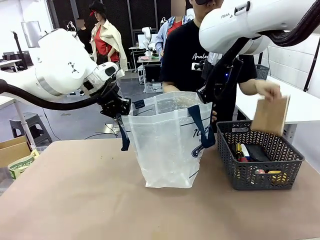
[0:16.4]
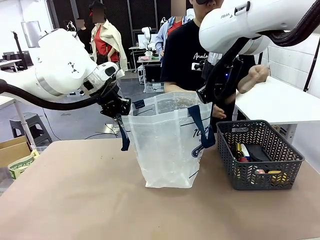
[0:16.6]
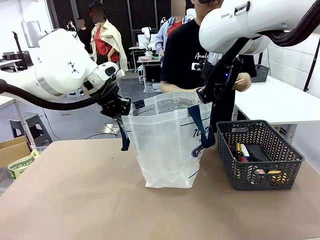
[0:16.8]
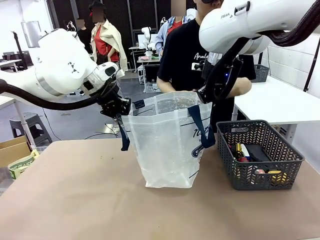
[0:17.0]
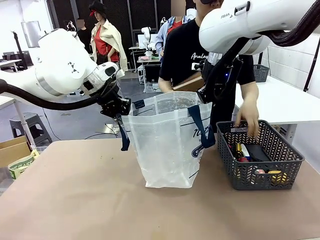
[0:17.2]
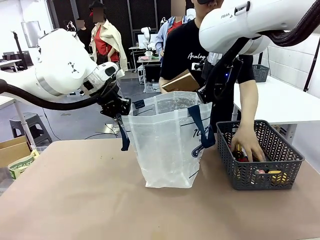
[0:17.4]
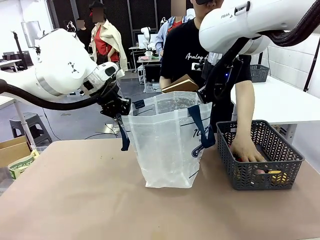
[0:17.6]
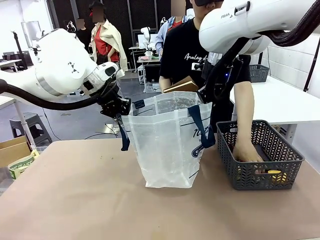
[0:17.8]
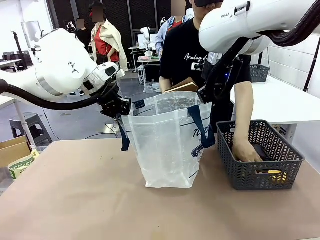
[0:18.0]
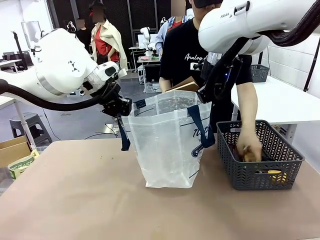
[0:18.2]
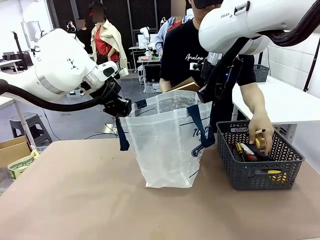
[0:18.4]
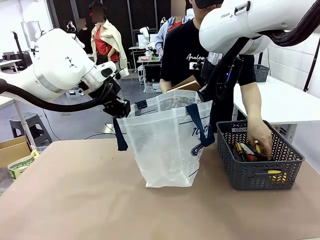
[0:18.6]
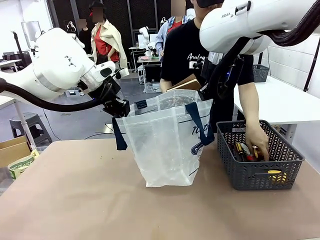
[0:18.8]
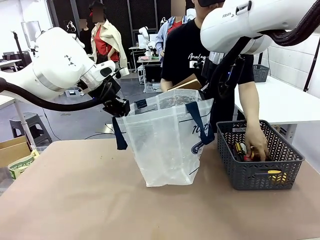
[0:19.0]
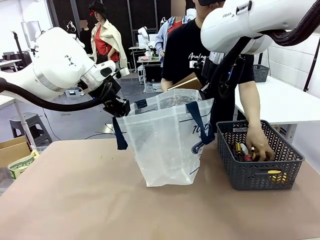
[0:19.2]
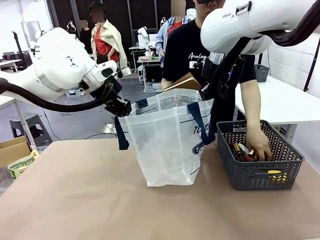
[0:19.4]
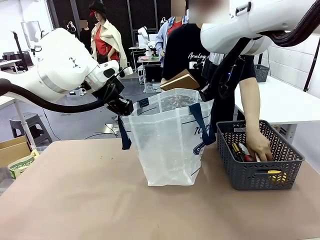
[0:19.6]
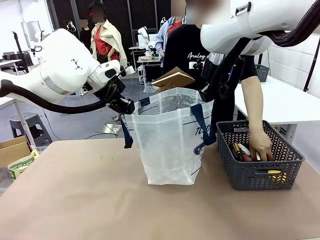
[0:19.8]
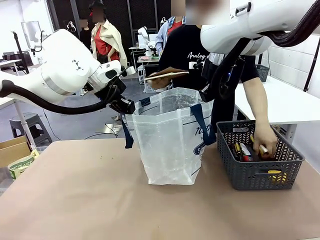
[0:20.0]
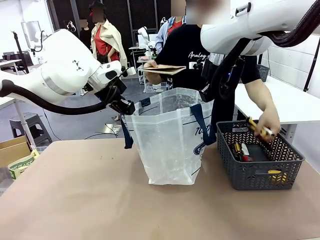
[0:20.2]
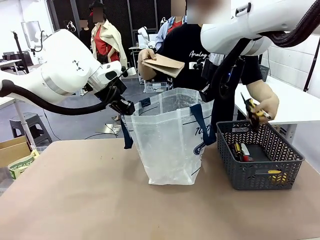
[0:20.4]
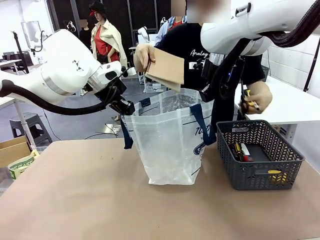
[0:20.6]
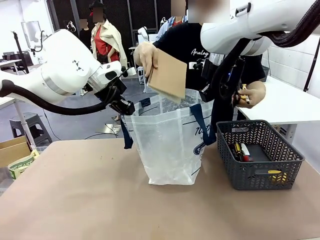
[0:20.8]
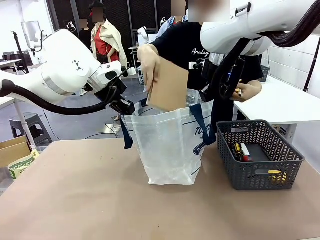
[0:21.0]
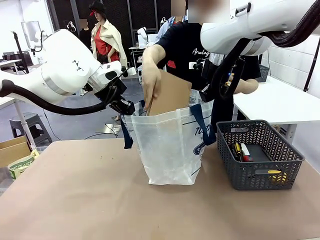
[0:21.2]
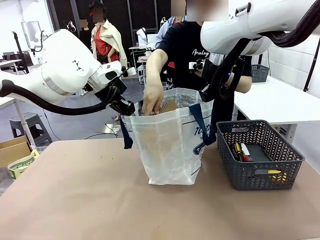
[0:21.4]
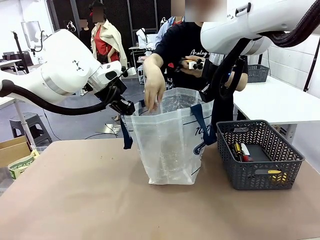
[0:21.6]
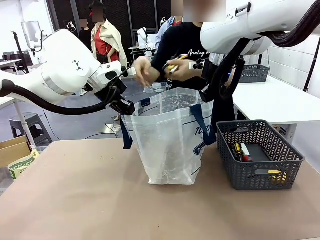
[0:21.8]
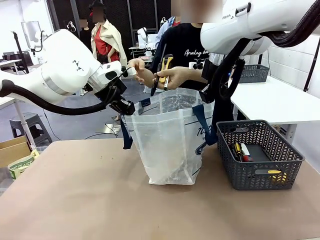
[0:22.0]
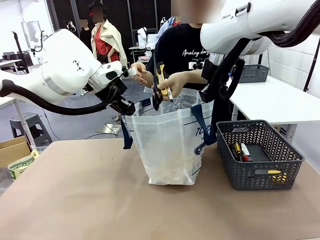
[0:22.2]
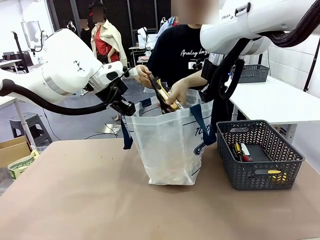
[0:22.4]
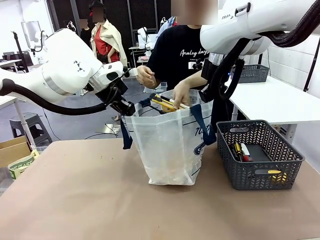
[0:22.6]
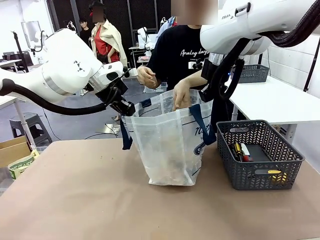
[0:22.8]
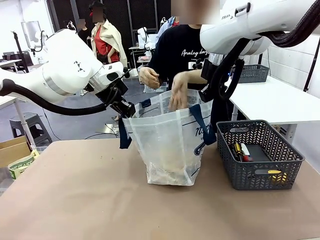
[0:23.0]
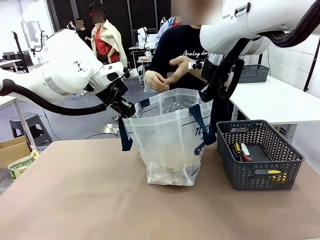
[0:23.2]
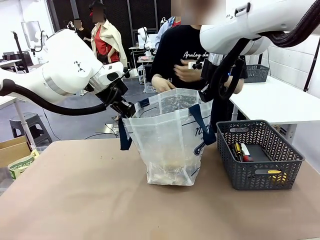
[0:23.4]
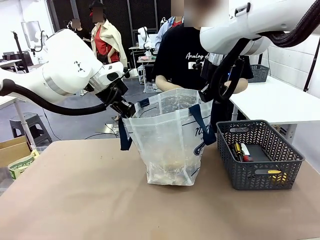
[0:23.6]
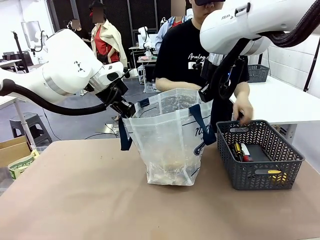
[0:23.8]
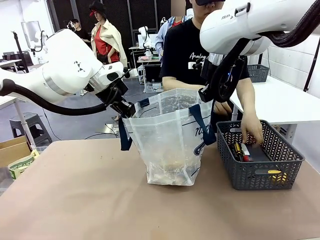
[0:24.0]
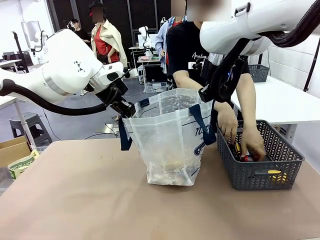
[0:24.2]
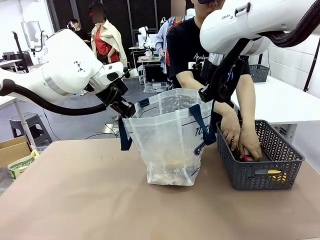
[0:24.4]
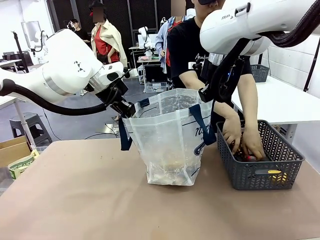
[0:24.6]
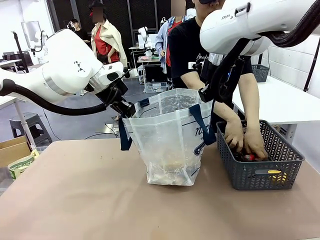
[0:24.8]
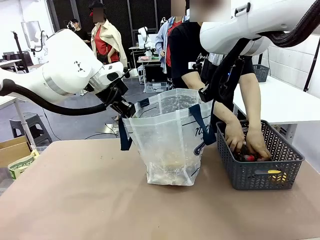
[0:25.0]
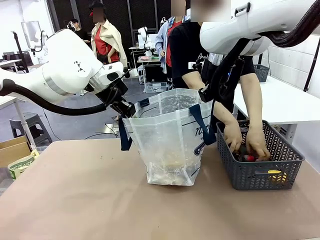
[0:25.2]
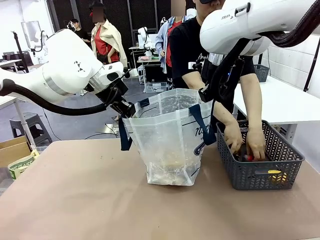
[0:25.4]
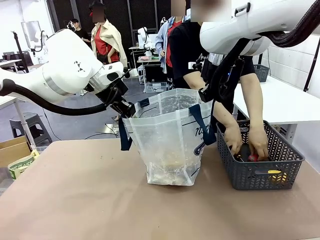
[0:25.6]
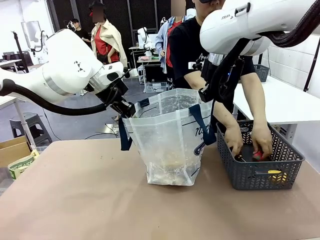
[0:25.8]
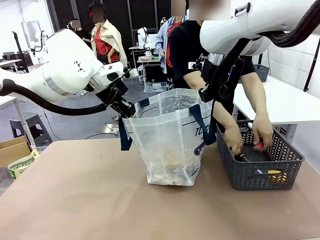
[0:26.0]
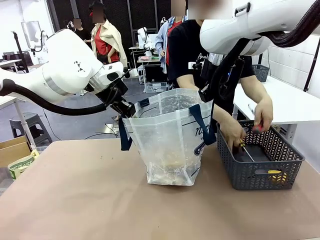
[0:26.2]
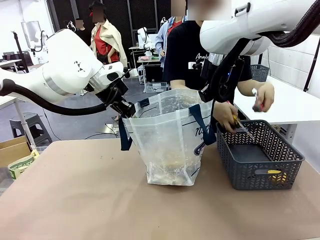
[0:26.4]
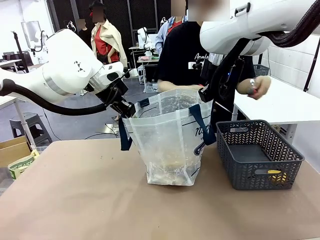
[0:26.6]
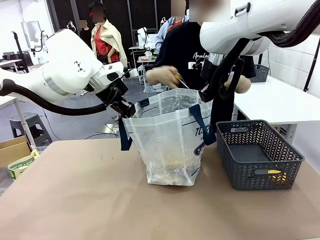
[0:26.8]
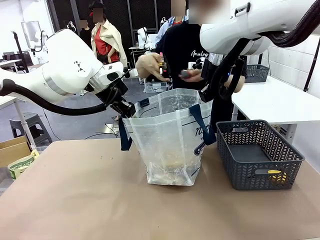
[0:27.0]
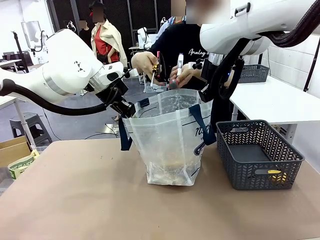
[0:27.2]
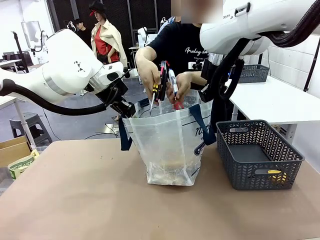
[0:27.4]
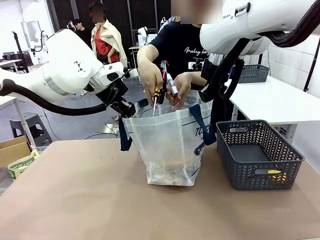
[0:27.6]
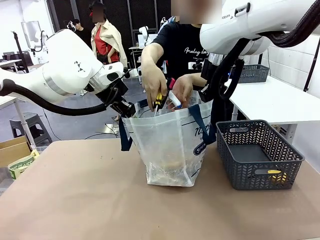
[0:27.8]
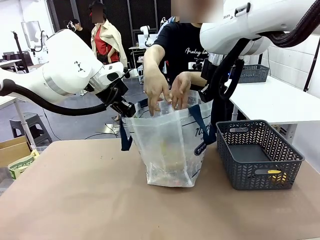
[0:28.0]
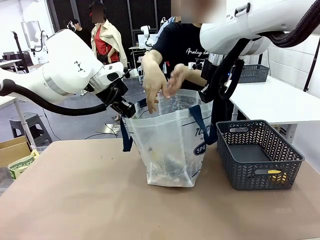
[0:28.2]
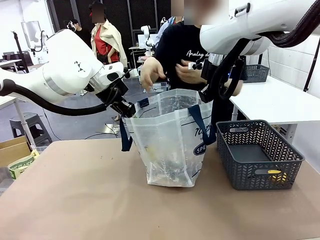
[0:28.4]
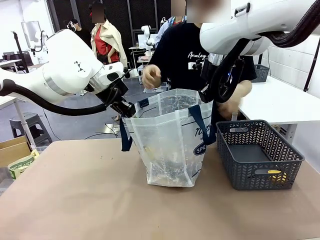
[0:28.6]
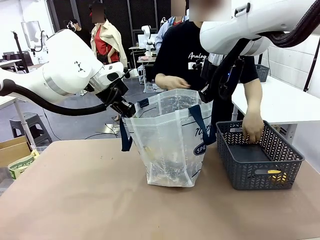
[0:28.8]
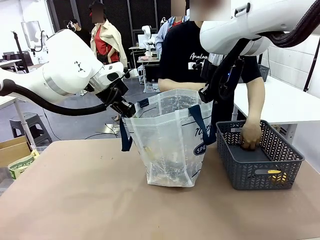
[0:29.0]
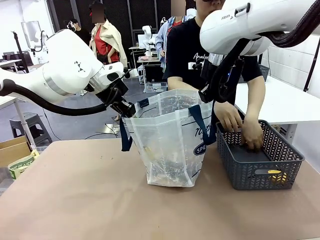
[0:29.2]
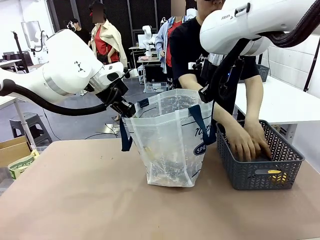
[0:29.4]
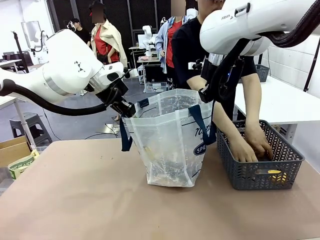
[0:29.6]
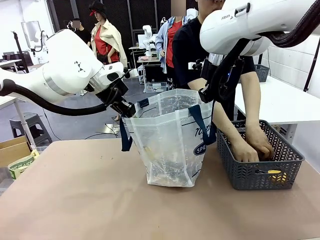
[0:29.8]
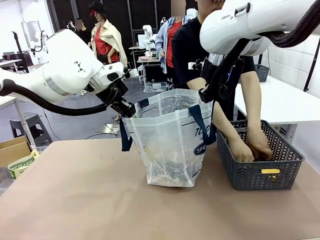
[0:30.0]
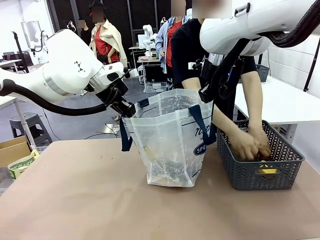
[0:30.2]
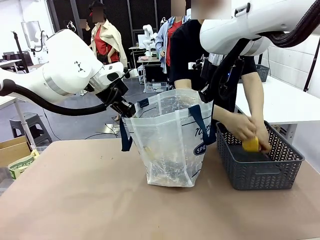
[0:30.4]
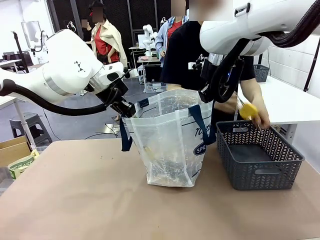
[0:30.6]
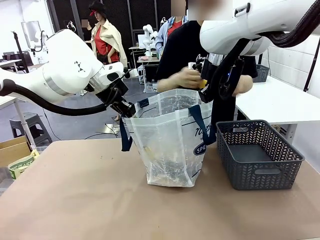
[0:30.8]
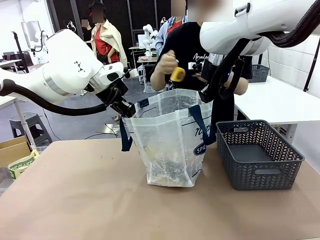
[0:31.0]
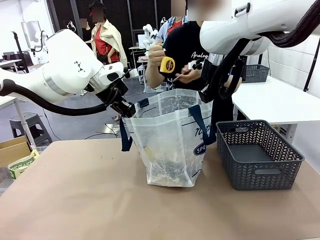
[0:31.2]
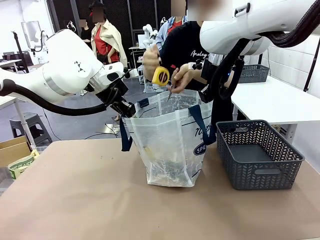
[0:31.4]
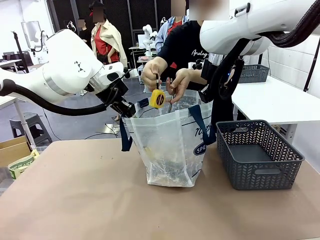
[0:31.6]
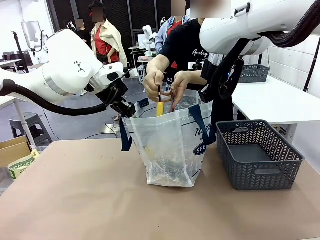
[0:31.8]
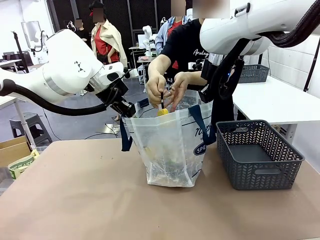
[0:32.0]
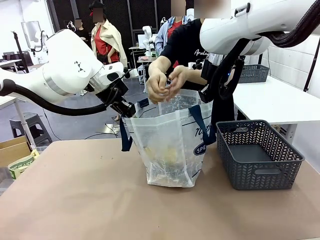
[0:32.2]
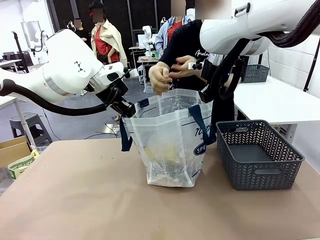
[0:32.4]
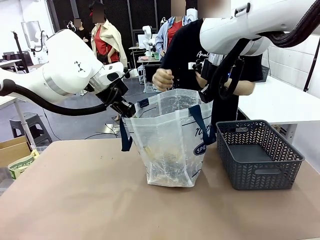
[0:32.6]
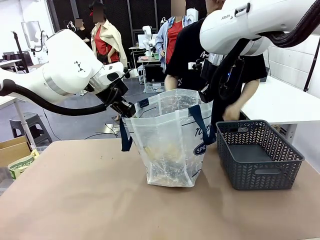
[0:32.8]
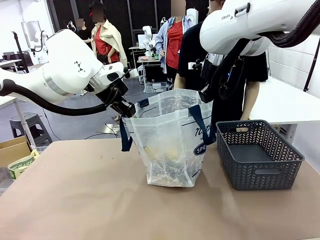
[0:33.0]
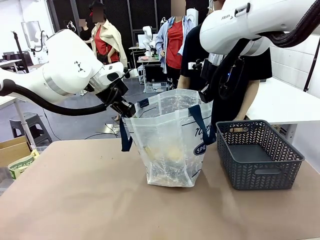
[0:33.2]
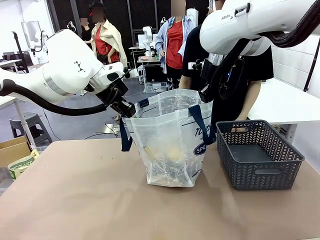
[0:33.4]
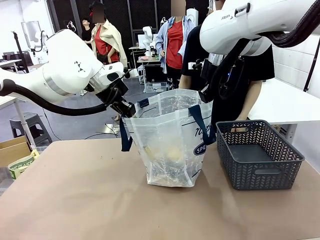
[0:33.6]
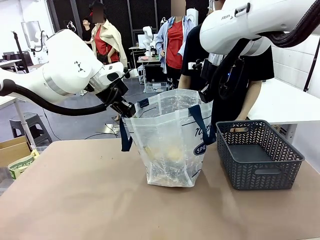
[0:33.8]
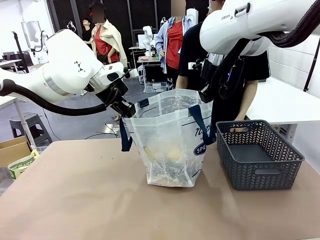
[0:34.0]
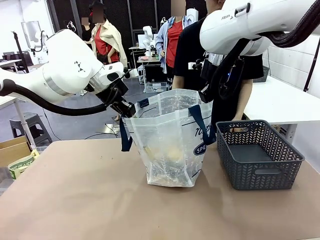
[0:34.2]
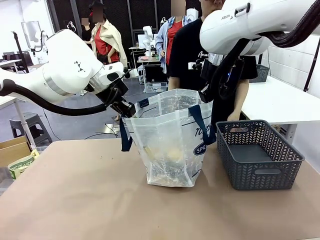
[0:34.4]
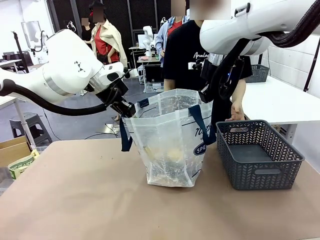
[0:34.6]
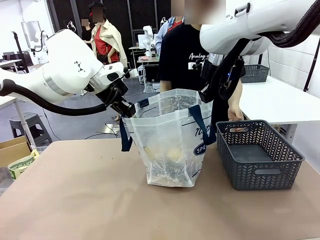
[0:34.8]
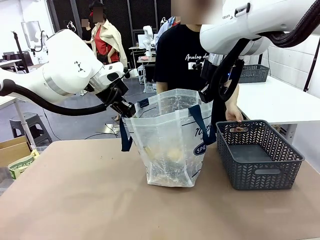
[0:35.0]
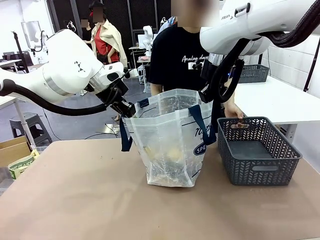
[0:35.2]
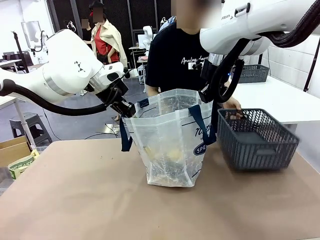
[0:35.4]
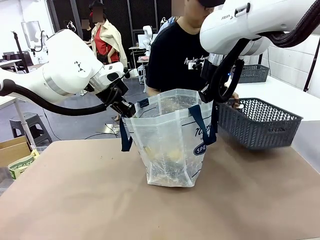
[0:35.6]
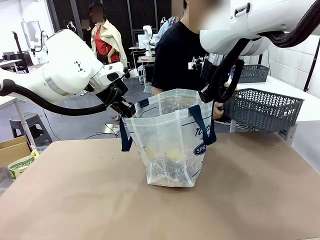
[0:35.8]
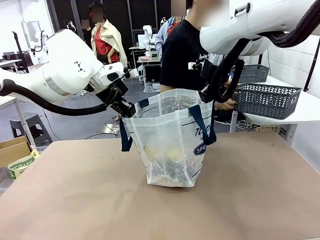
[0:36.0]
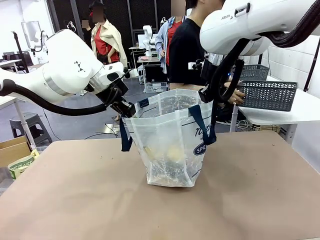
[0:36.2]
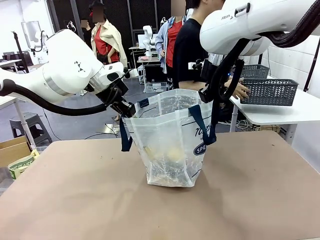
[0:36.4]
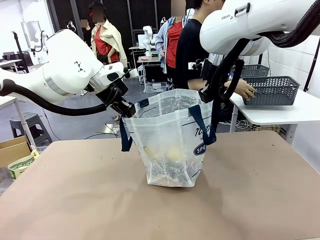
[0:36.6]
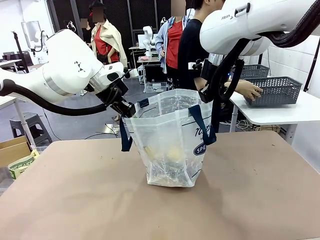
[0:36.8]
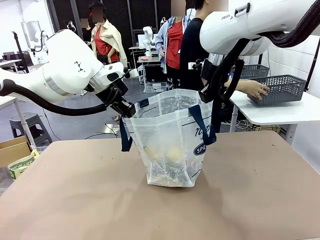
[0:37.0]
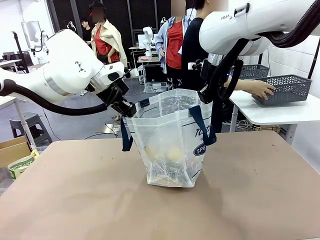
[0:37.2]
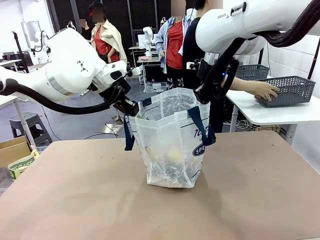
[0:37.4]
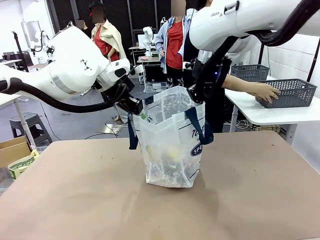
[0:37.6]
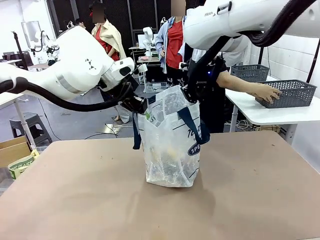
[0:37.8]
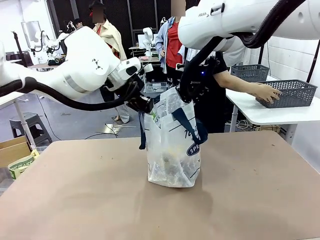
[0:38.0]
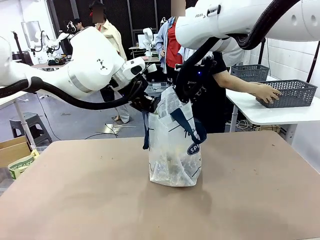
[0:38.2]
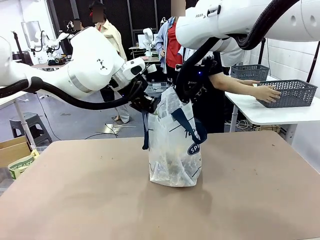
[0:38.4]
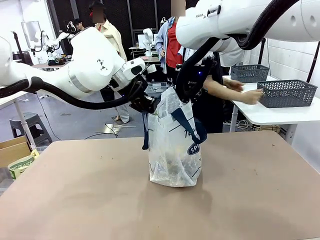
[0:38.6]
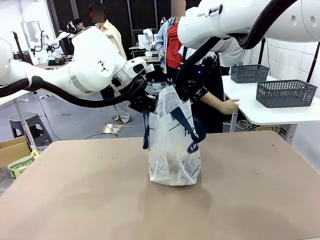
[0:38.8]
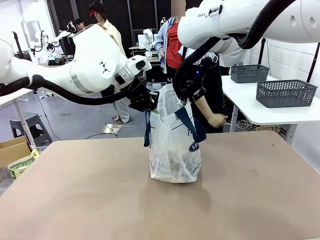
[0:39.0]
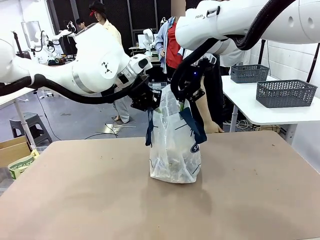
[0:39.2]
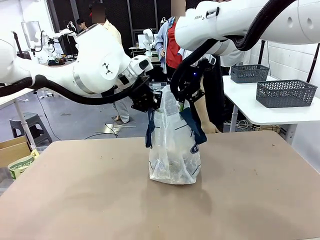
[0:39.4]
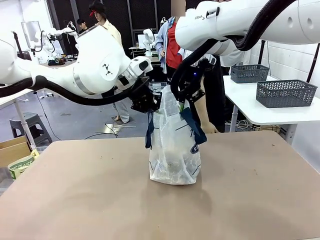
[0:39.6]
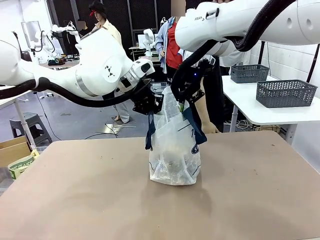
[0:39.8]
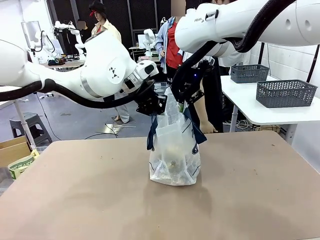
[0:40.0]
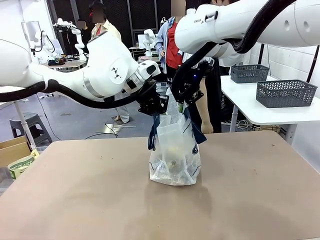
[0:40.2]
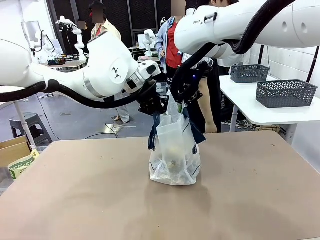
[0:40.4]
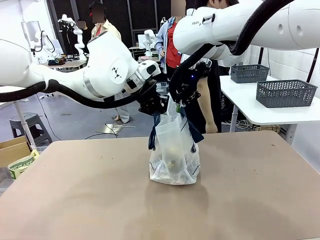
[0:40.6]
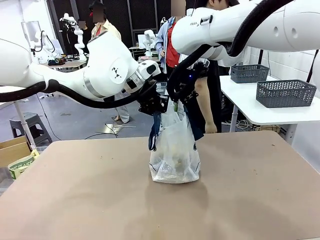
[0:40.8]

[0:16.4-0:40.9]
Task: Transfer purchased items from the store into the shopping bag.
Robot: Move the Reusable shopping bag to the right side of the table.
Person: Pick up the basket on the right, place it on the left side of the robot table, and move the items in the basket to the shopping bag. Pick up the basket with the items out and place it on the right side of the human table.
